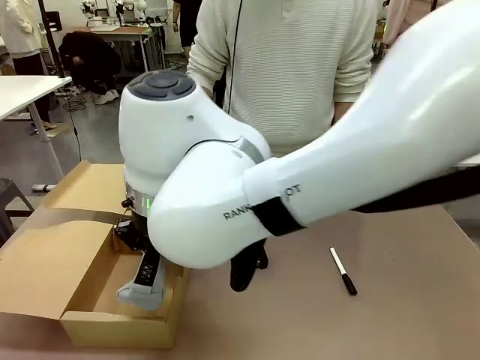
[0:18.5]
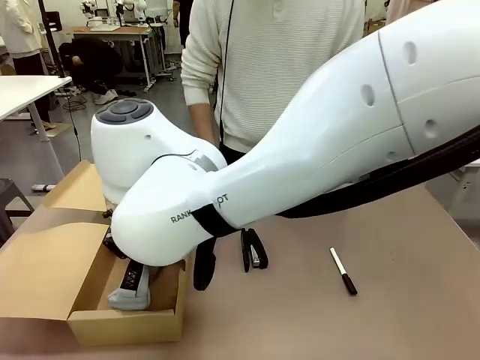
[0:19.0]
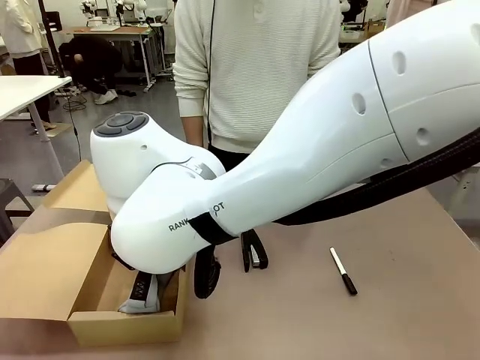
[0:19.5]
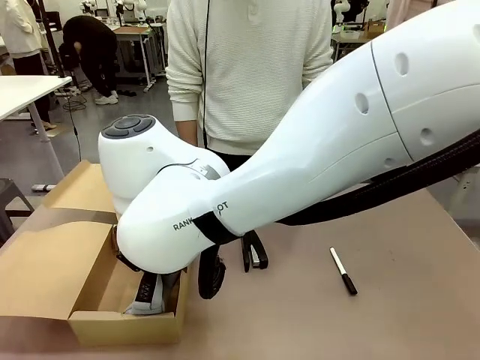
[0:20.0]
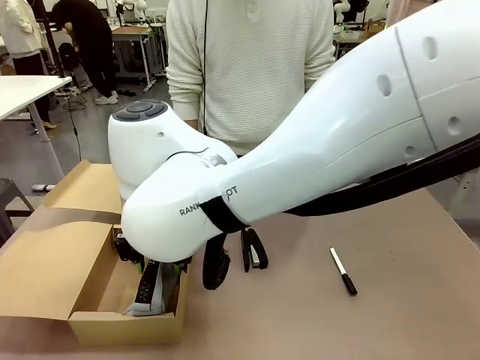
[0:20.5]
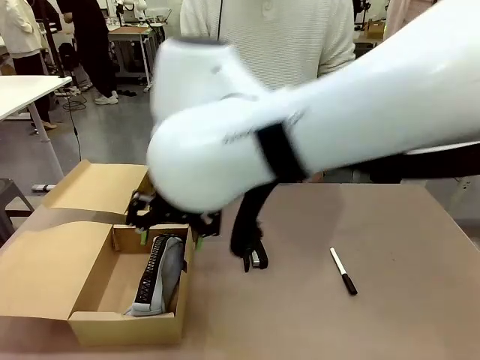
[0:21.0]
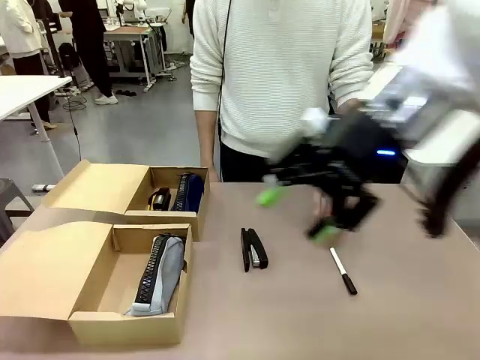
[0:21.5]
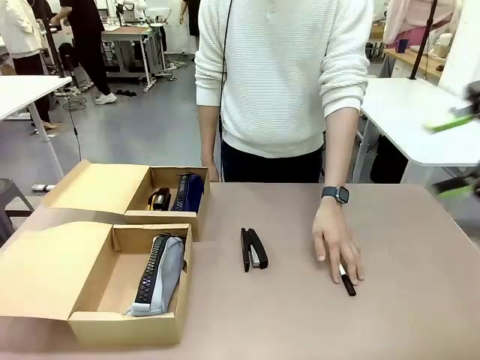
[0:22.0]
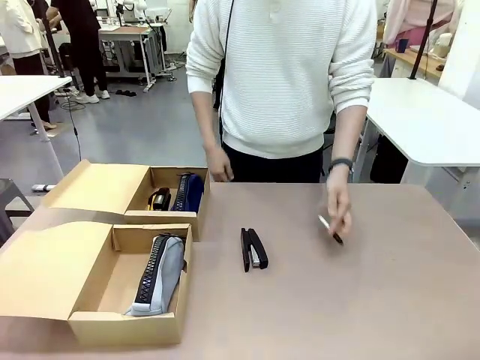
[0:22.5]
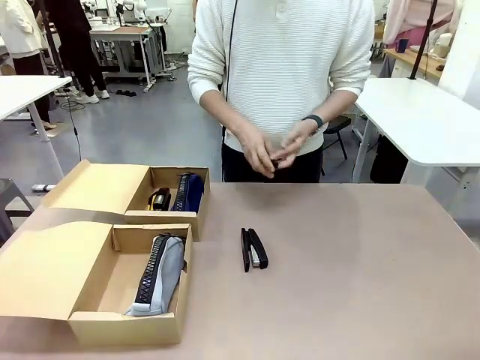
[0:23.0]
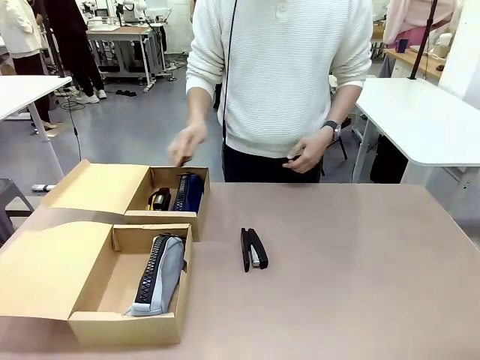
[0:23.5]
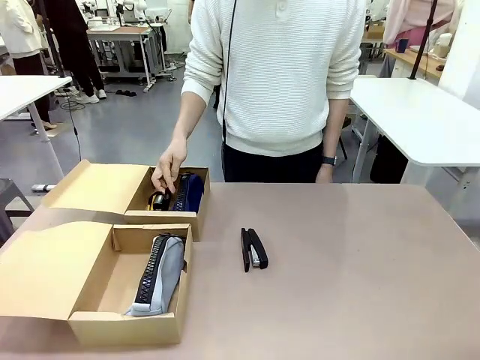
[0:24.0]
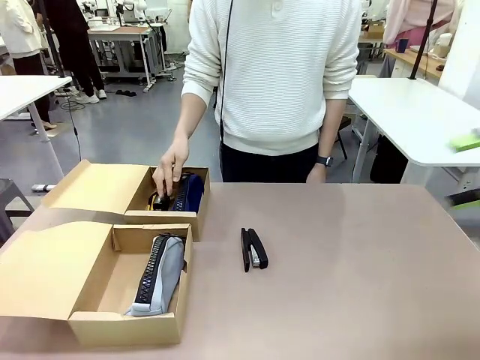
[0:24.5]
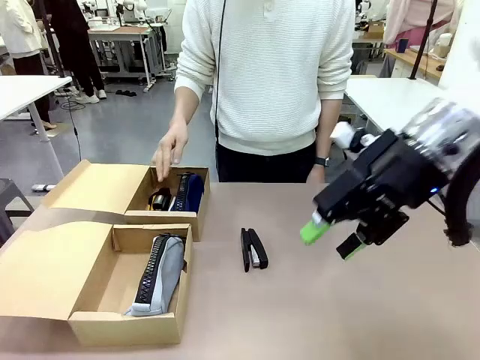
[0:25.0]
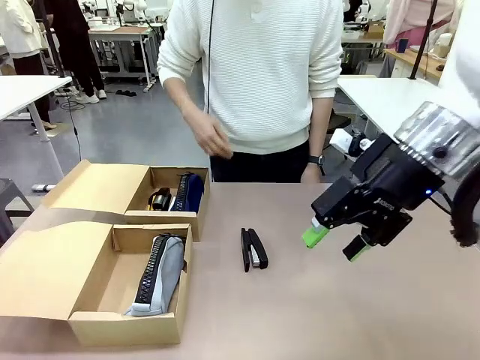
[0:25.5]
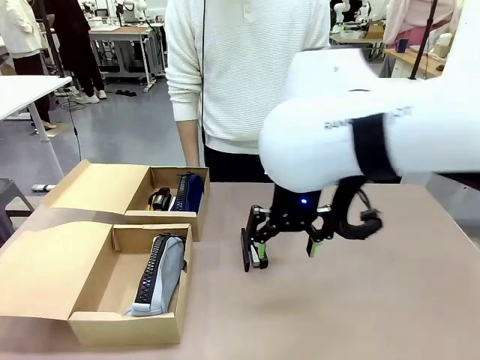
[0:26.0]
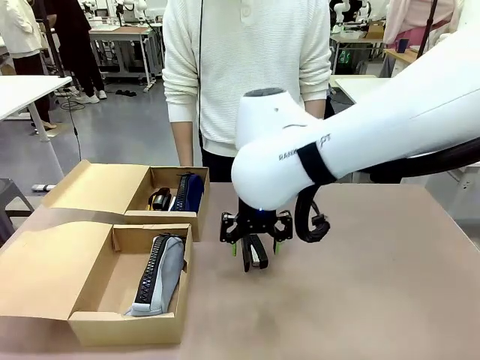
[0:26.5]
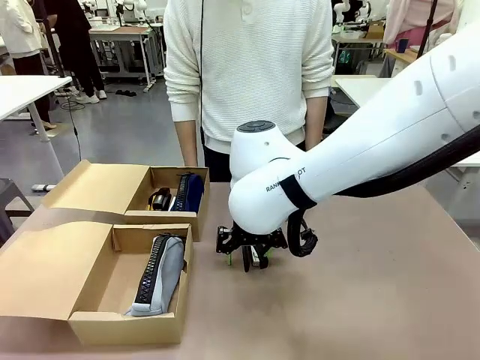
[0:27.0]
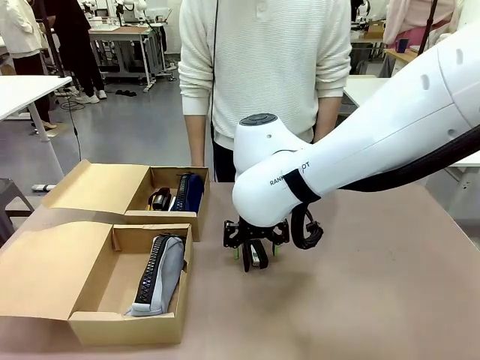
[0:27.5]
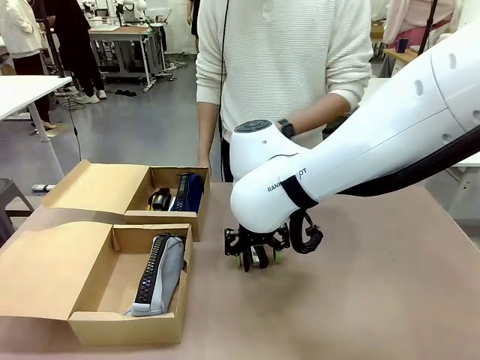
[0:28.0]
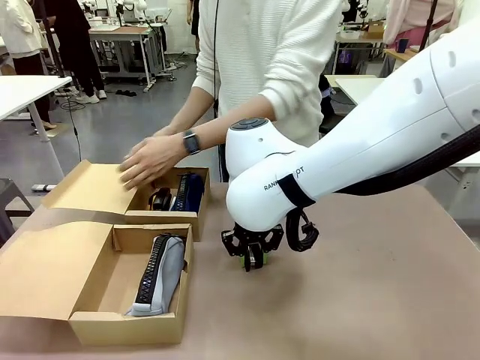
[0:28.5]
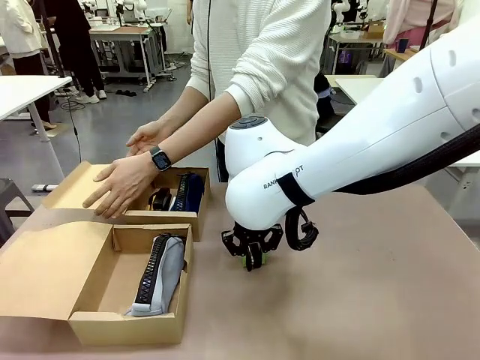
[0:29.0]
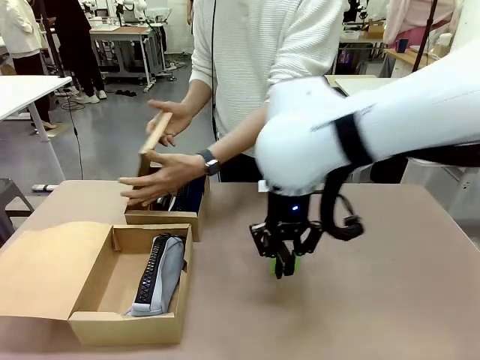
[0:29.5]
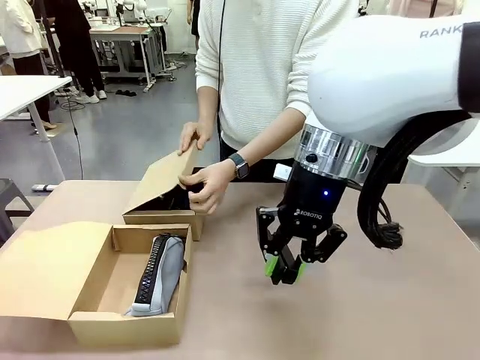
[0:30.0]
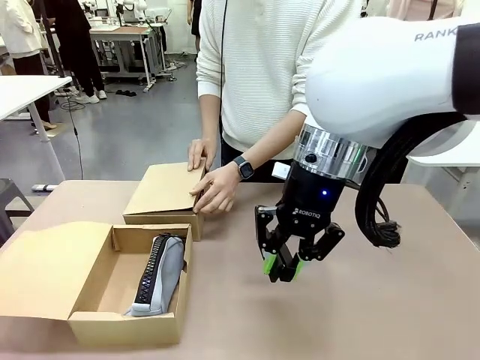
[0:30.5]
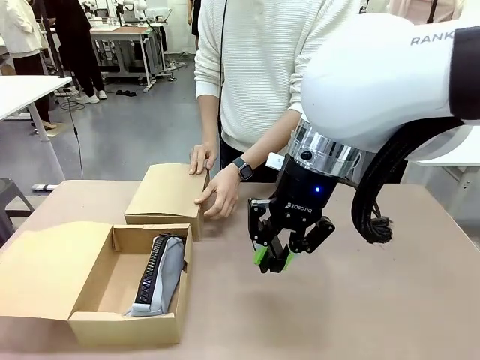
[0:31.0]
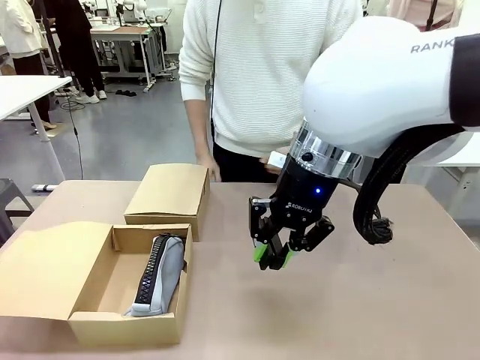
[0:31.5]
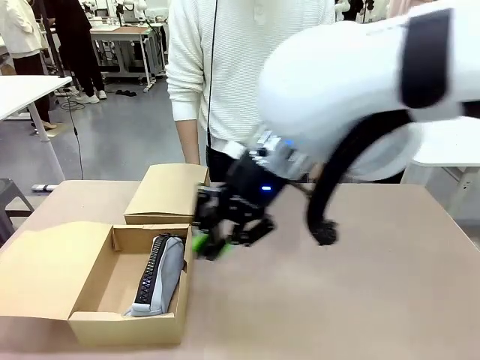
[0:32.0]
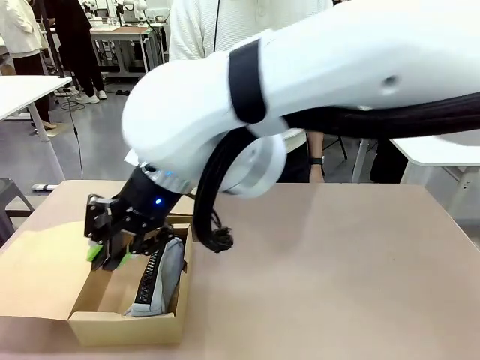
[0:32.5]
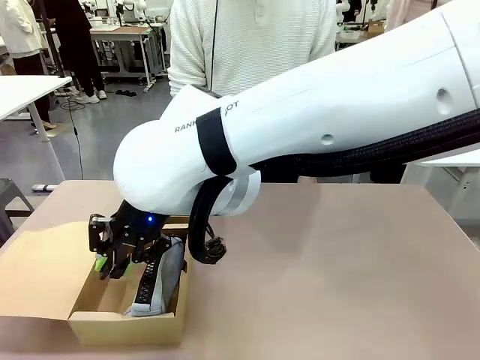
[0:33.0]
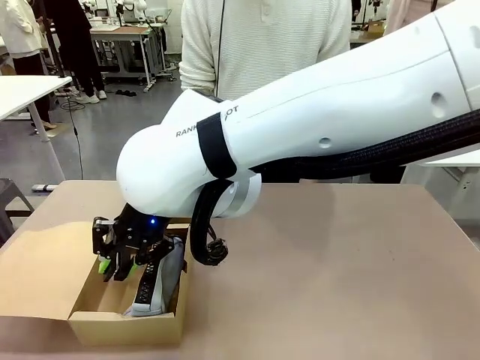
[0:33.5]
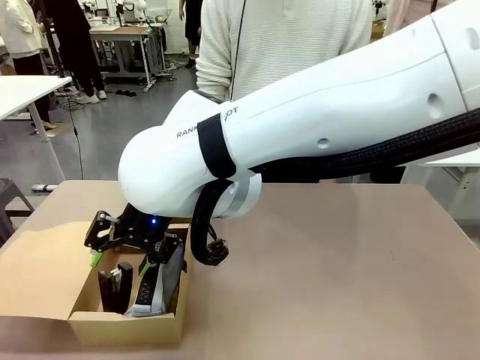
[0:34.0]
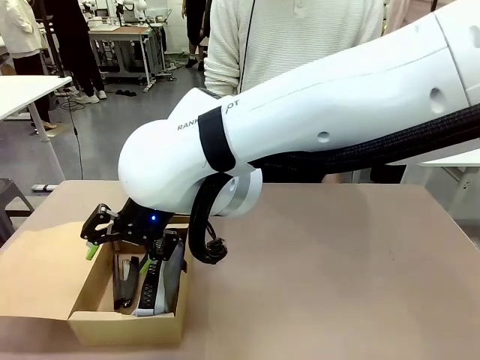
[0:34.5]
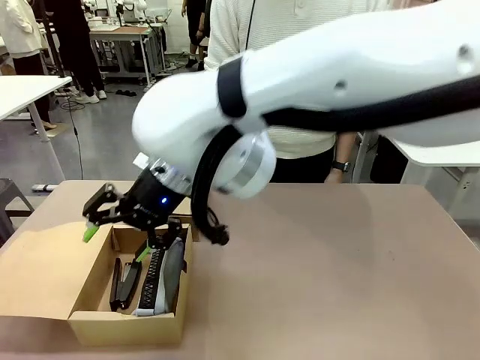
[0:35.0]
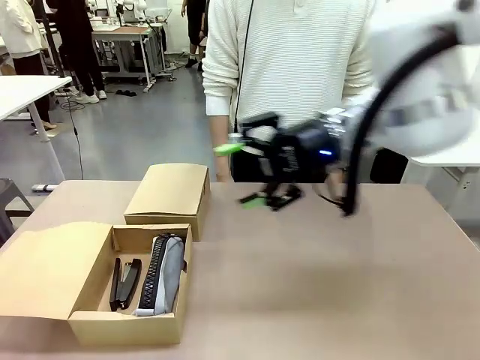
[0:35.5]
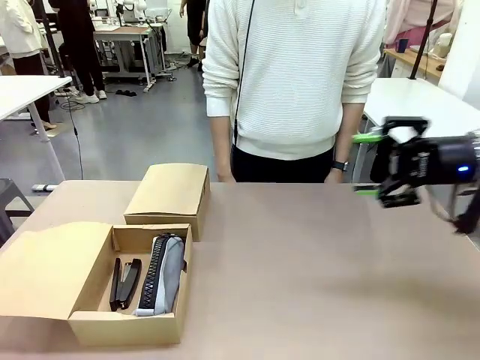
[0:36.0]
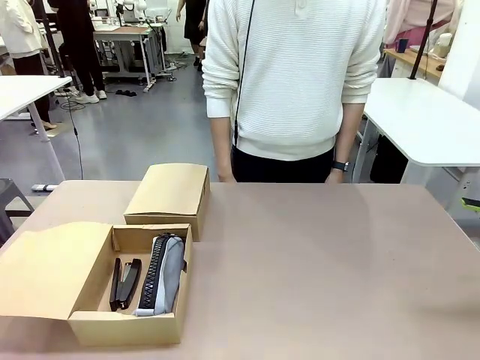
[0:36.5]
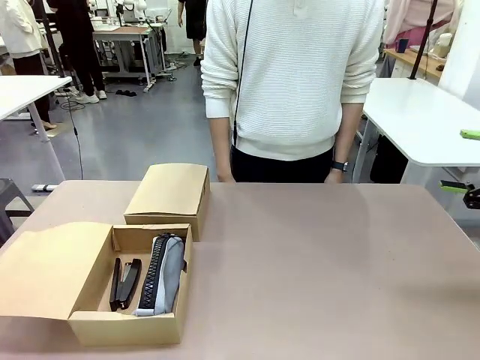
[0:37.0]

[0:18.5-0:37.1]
Task: Place items inside the box.
Robot: Pick up a Pencil pouch or Stapler and place it inside the Mailer Box closest to the robot.

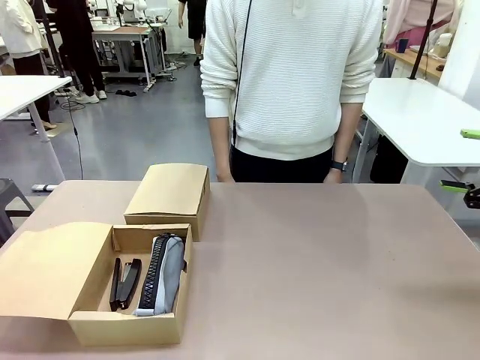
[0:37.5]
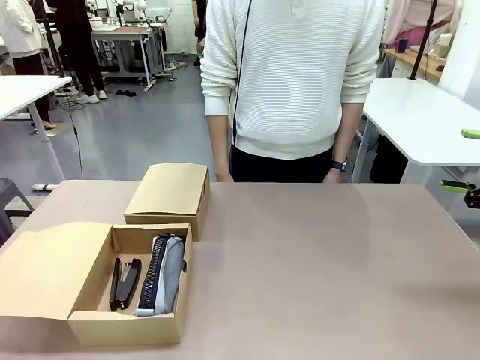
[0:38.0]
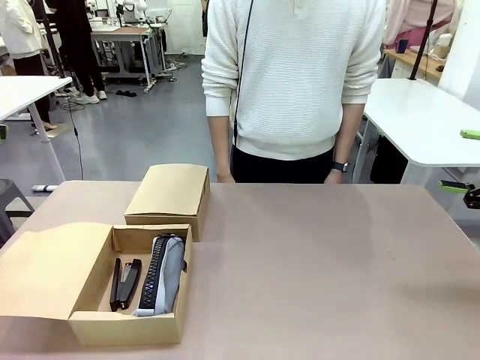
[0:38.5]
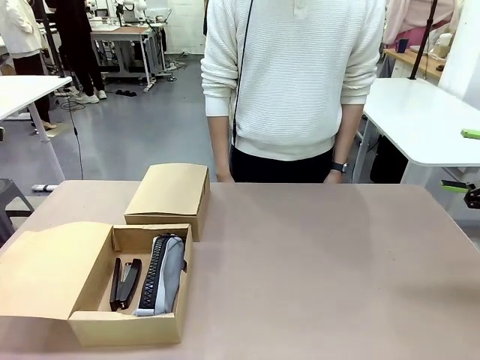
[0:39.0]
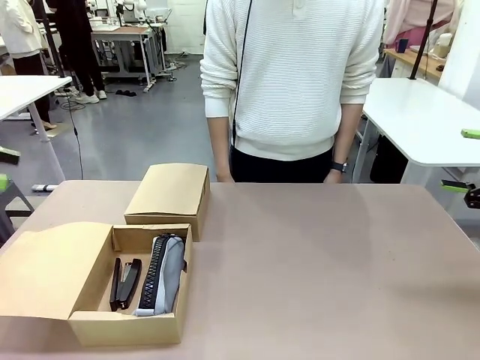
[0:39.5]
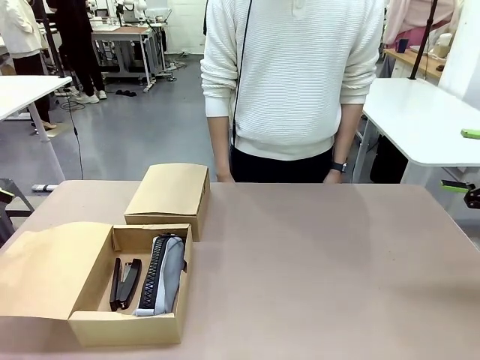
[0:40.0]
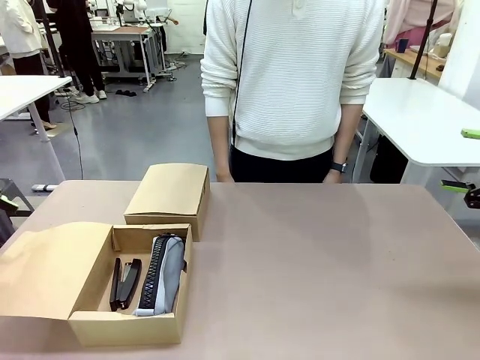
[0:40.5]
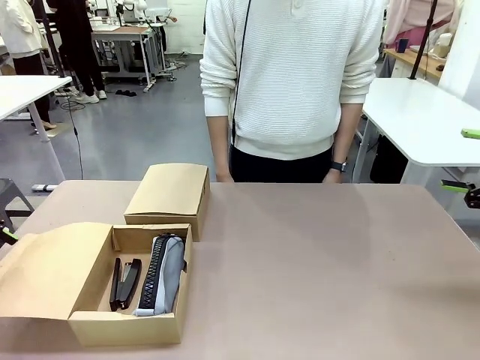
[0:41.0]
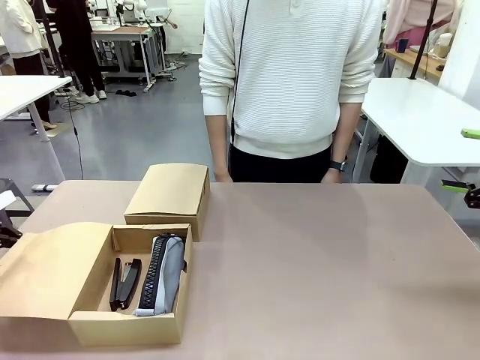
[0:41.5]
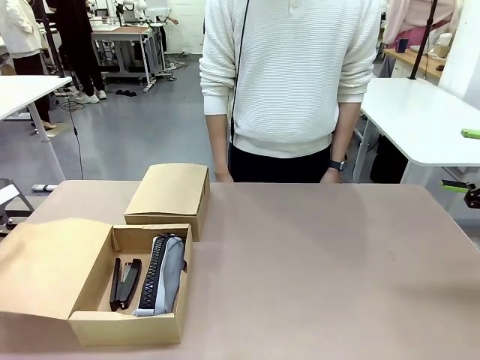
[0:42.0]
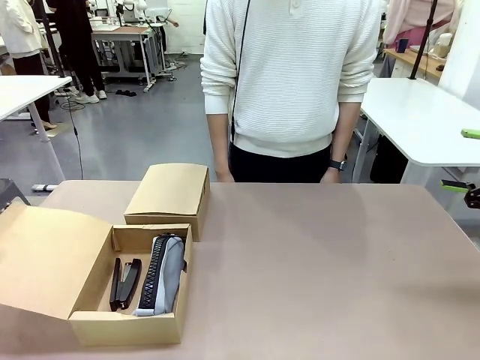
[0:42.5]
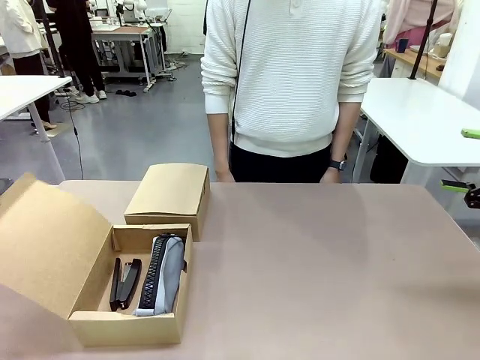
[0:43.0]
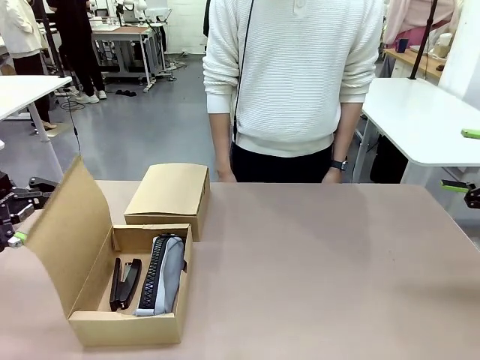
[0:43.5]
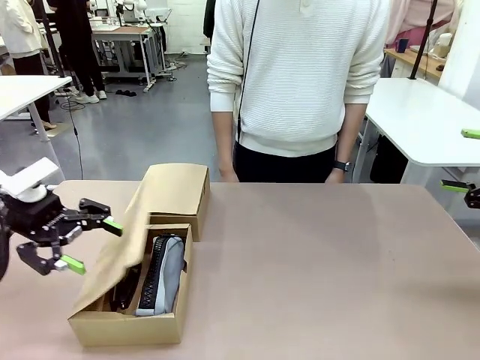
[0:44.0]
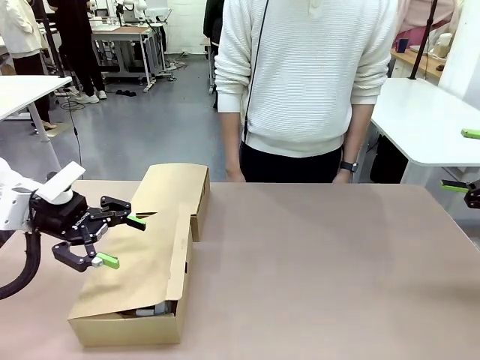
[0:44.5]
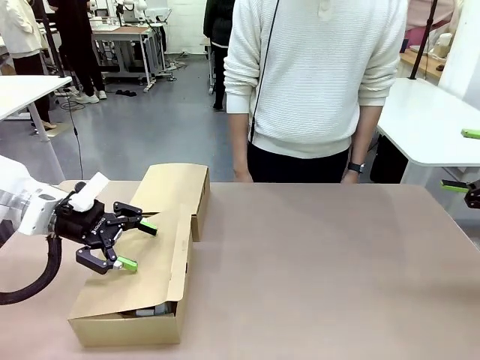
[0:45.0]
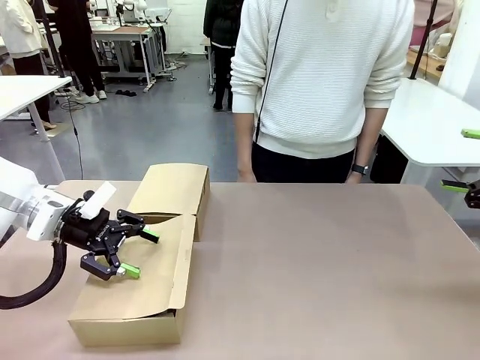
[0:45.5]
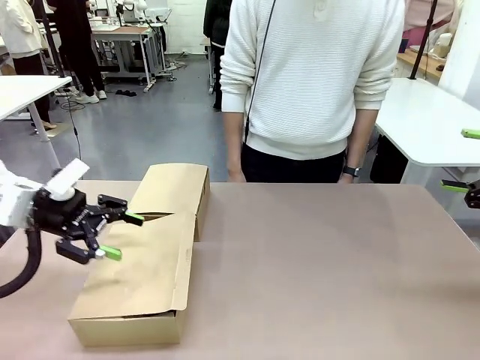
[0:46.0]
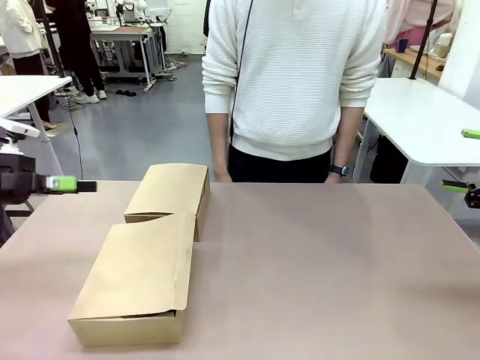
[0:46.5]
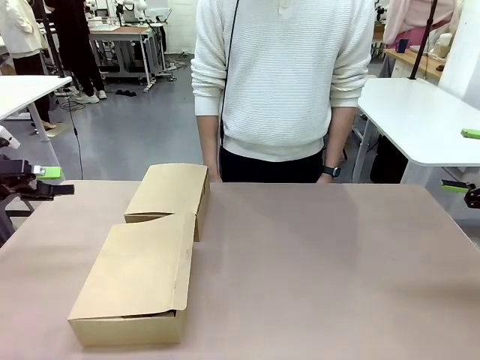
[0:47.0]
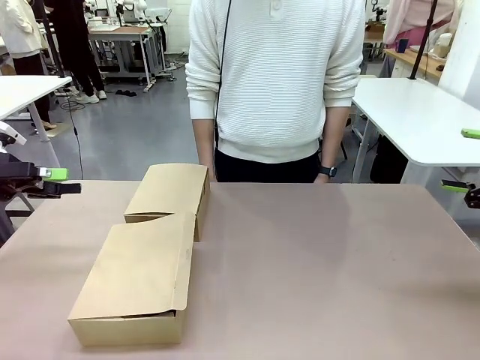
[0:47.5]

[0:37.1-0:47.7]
Robot: Close the lid of the Mailer Box closest to the robot.
